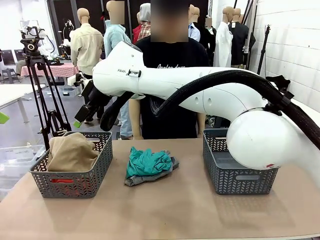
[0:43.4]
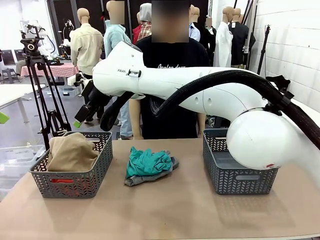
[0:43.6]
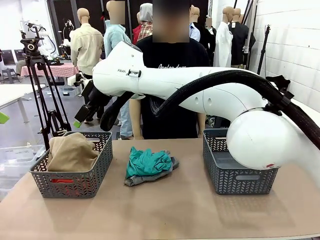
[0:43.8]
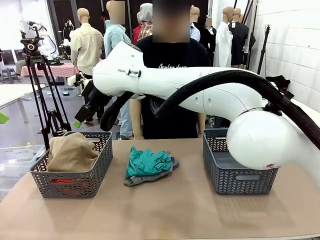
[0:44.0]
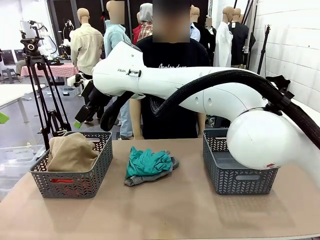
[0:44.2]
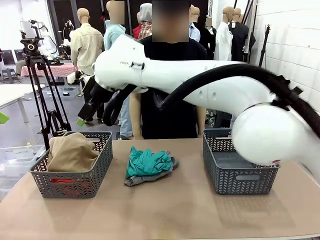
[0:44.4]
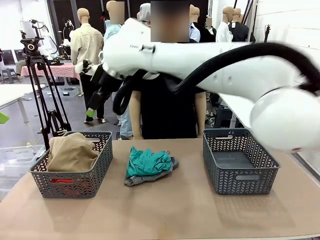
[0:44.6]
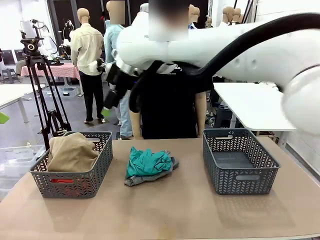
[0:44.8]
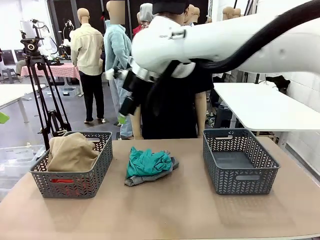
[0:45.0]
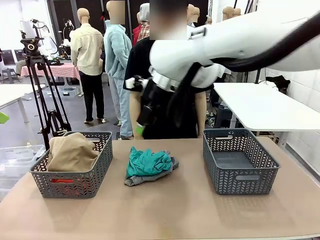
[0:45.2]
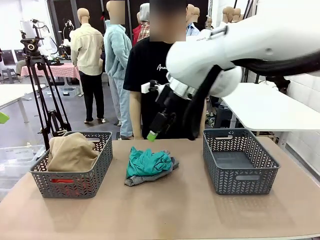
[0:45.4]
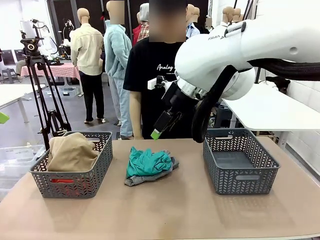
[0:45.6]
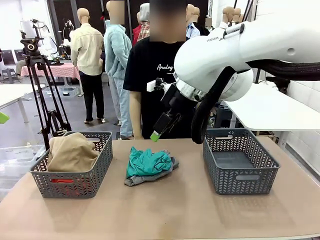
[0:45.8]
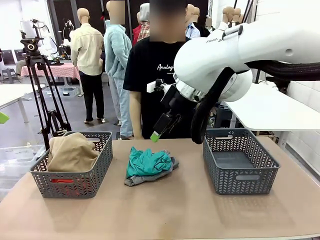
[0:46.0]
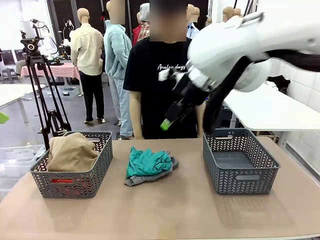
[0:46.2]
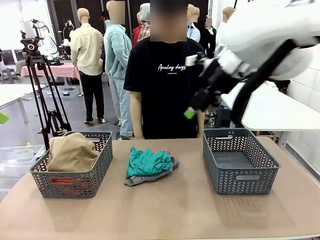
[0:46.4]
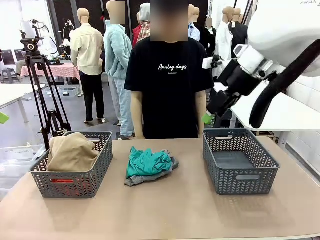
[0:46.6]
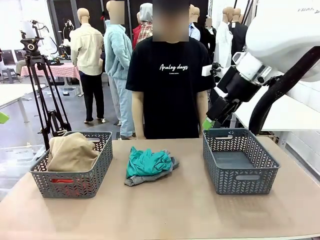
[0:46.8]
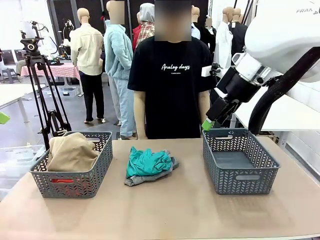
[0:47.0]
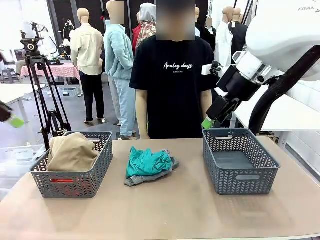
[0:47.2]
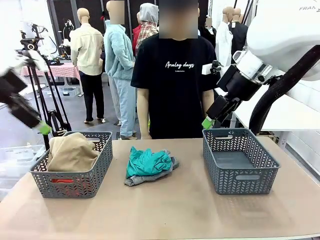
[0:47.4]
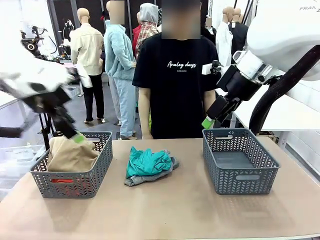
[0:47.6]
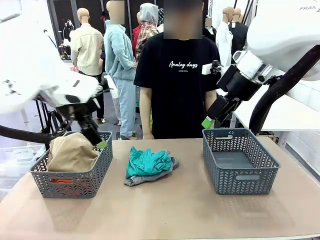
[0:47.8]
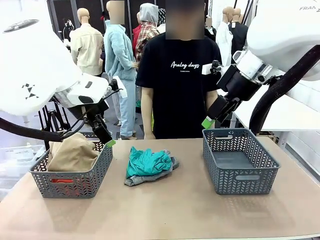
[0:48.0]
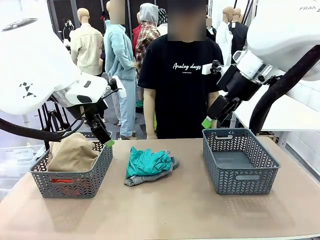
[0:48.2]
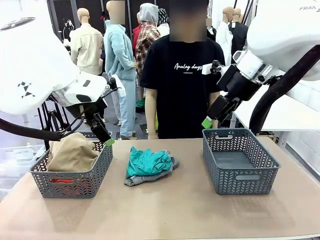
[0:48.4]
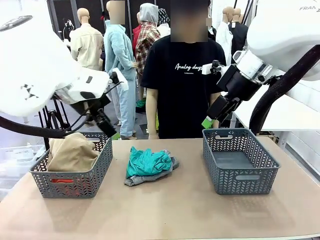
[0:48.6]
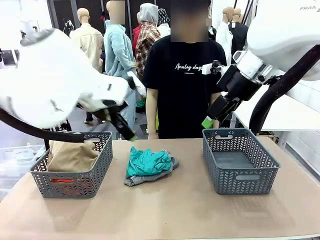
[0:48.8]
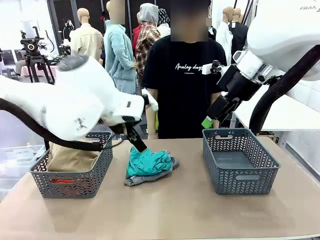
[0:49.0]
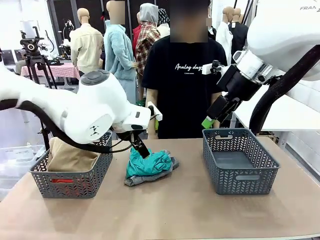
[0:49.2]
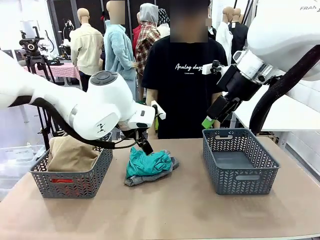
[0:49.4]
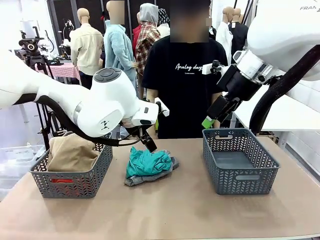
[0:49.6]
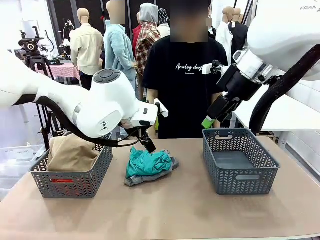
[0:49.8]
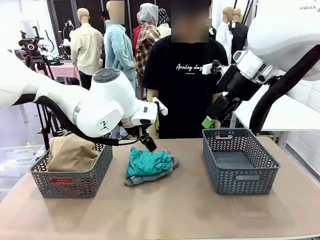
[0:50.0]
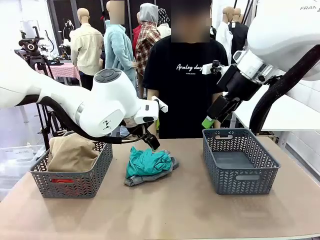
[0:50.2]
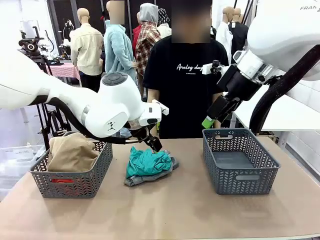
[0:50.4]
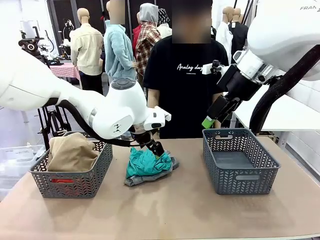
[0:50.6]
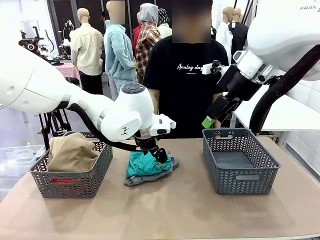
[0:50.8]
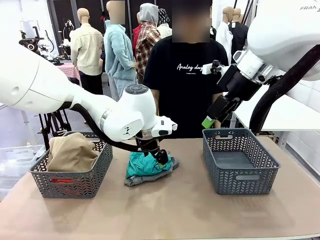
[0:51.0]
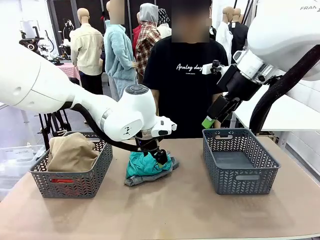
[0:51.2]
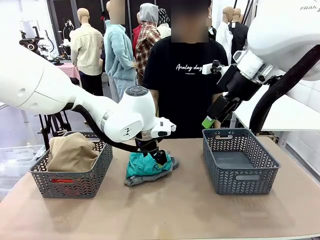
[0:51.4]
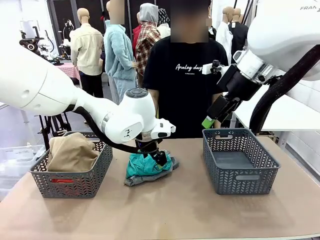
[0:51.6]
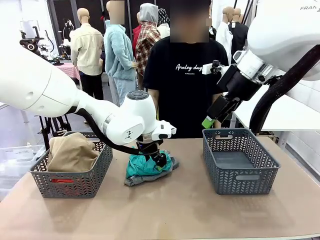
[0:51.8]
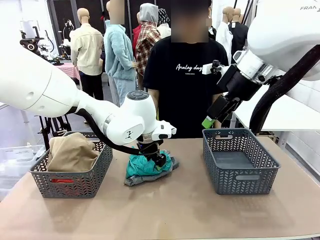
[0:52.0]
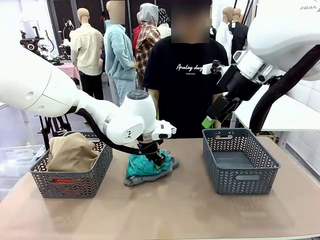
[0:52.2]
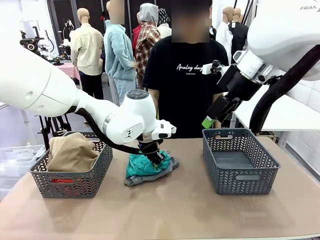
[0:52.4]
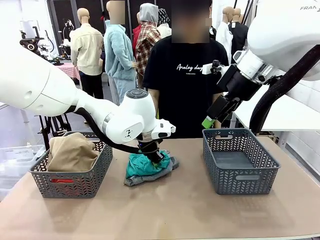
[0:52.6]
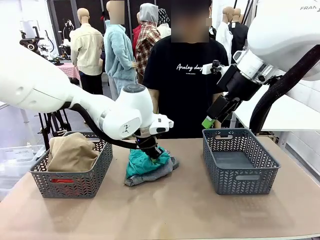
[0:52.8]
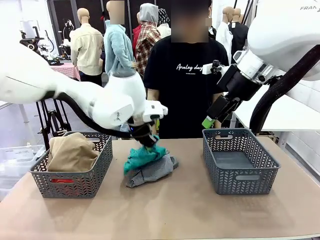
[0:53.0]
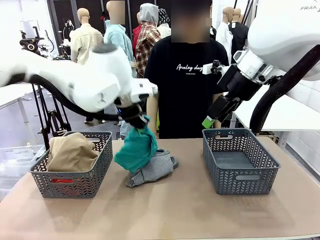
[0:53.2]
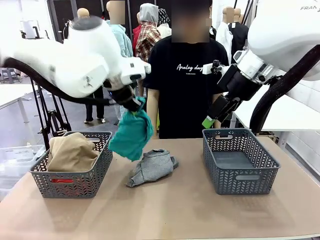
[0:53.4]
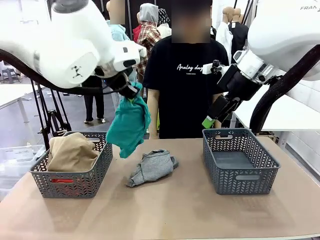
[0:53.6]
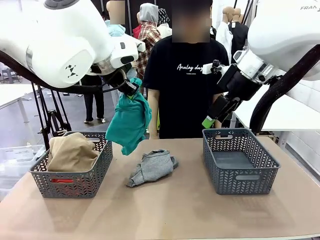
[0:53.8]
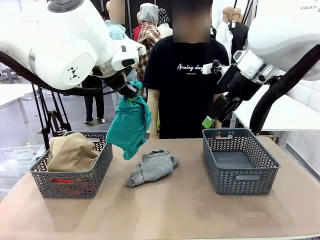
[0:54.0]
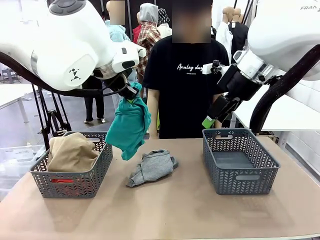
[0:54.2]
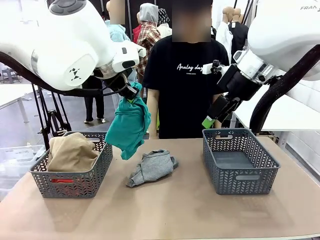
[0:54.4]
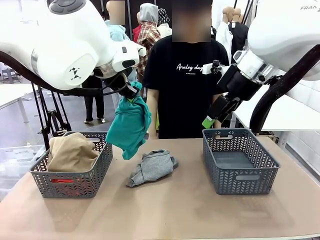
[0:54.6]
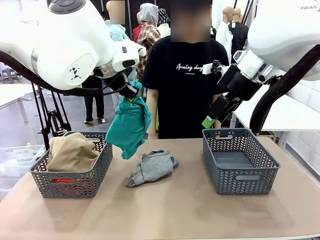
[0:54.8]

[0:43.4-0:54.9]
Task: Sort the tops and bottoms.
Robot: Lift clothes from the center of the table with your left hand.

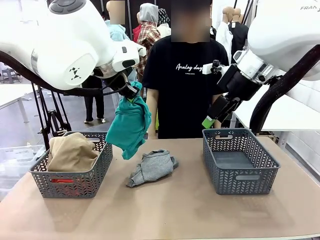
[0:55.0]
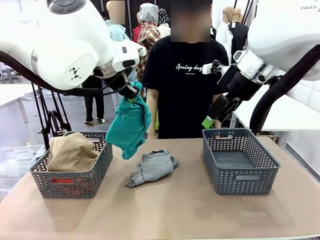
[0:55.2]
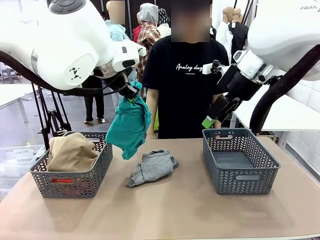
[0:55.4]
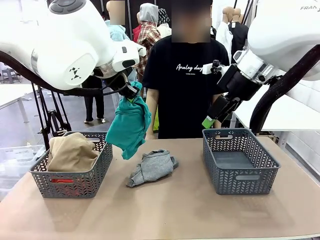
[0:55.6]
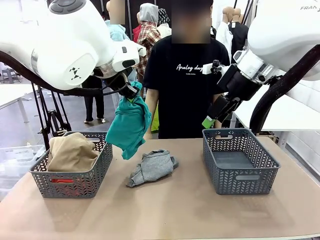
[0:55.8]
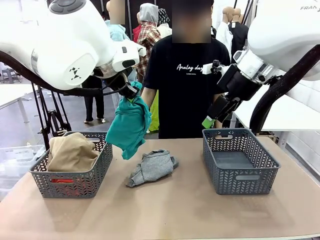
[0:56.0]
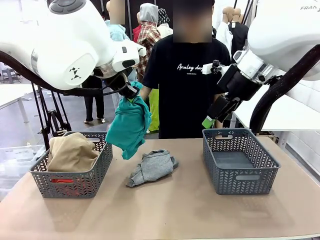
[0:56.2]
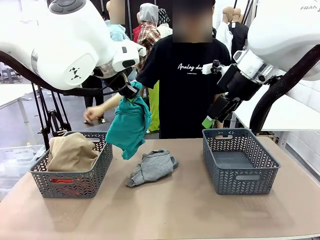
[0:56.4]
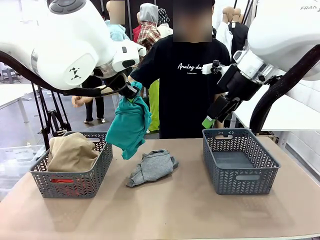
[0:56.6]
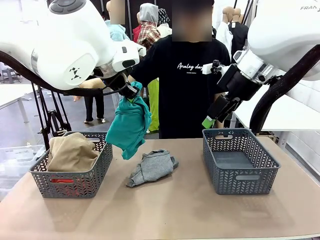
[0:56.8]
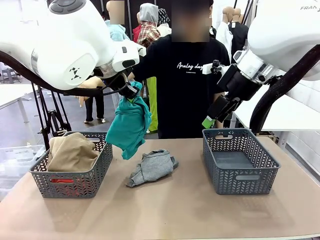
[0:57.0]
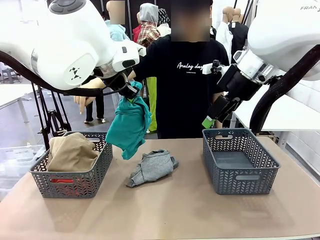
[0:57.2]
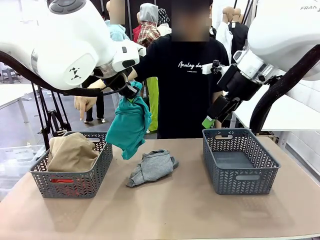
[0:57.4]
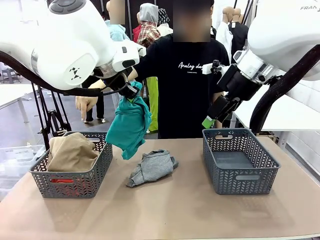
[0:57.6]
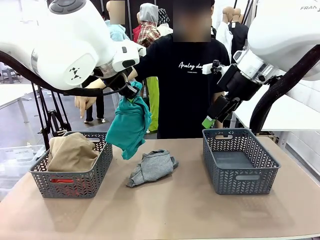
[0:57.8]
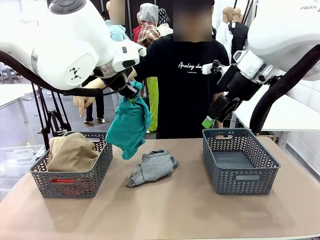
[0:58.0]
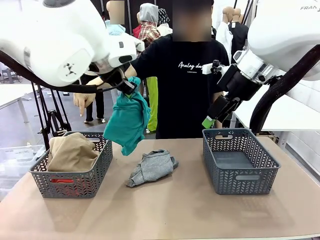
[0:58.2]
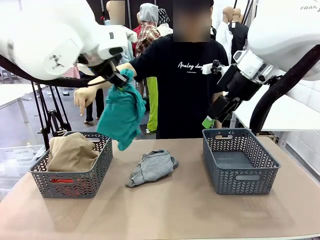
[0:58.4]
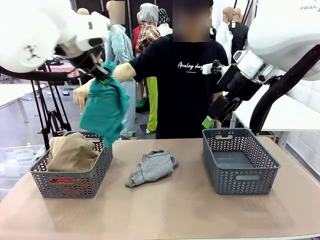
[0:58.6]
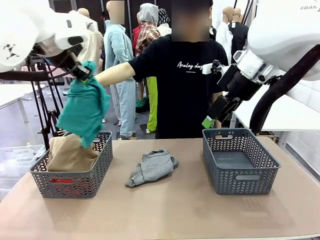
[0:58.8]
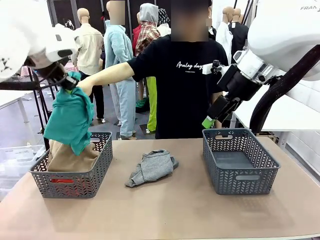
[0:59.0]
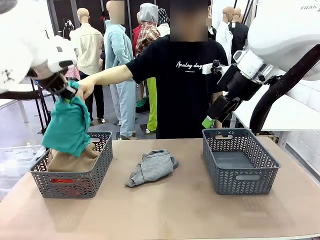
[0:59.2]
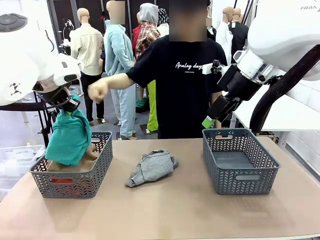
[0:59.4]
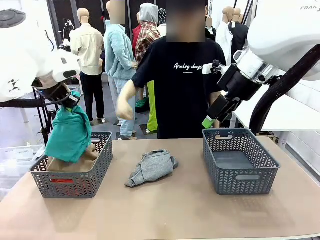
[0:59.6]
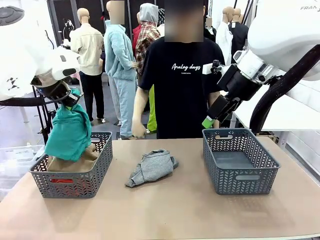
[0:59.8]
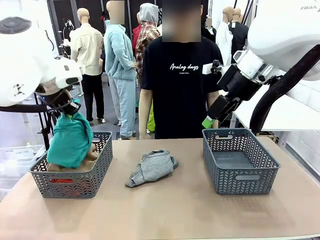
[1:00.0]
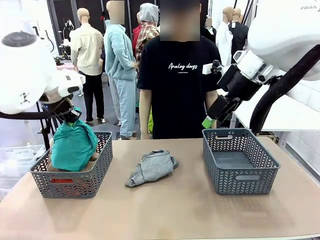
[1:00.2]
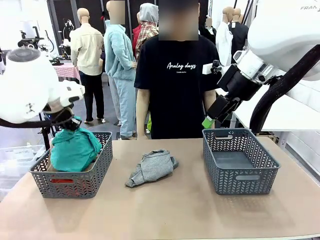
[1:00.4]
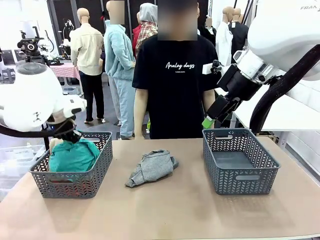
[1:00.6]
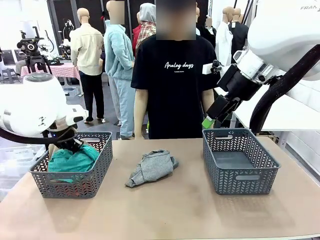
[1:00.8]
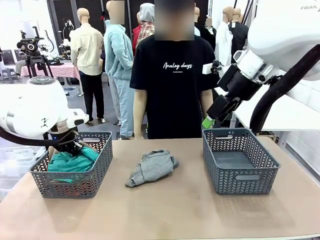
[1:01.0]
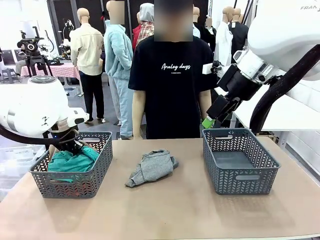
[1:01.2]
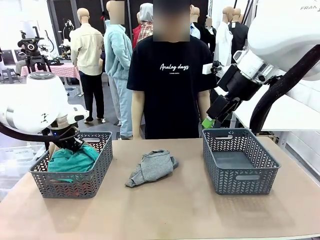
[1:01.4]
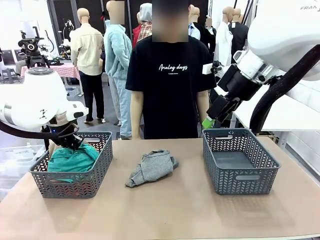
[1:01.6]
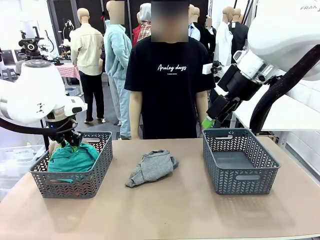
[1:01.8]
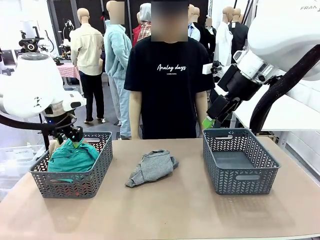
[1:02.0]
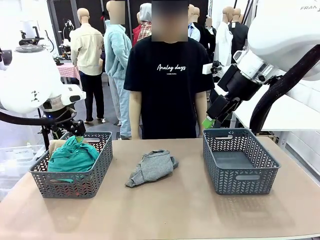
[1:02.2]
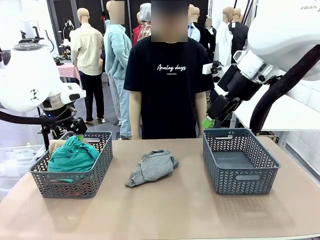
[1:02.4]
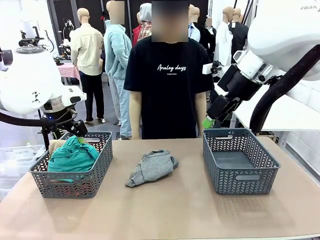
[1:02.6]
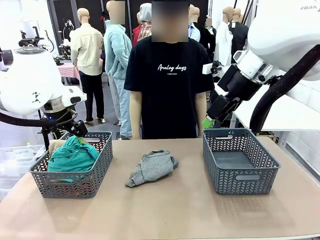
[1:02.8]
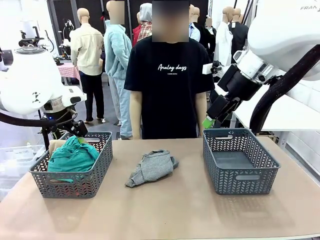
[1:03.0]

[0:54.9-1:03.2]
Robot: Sort the clothes according to human instructions.
